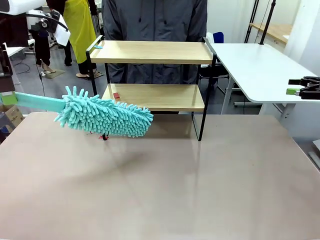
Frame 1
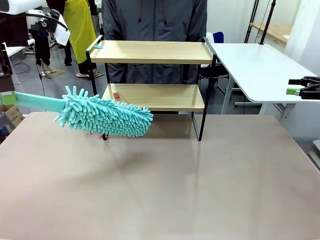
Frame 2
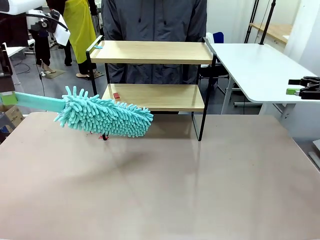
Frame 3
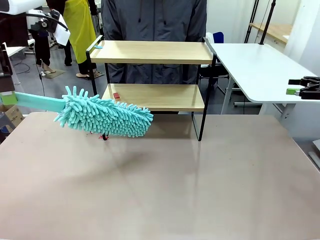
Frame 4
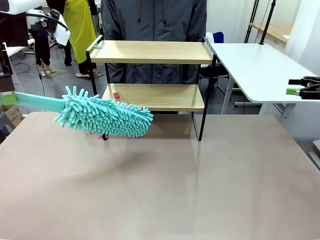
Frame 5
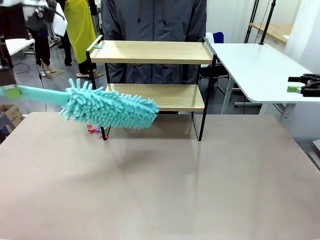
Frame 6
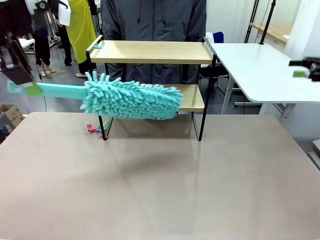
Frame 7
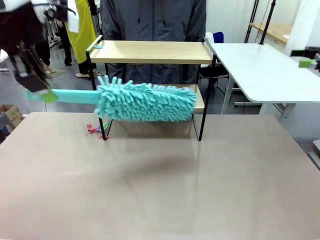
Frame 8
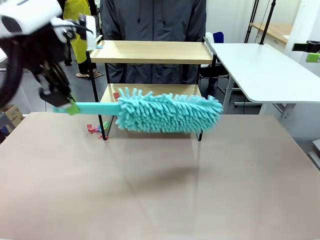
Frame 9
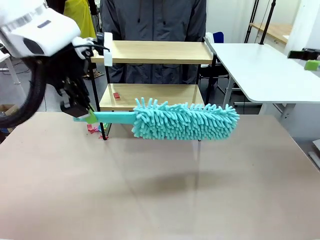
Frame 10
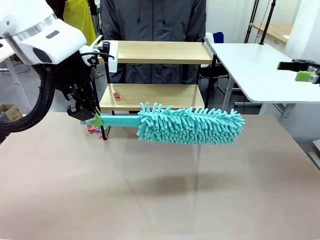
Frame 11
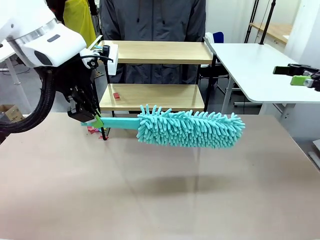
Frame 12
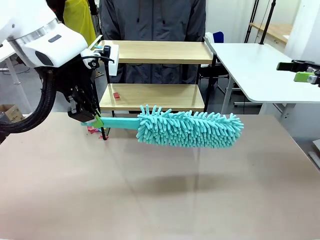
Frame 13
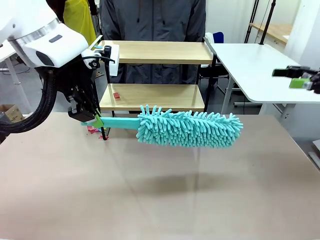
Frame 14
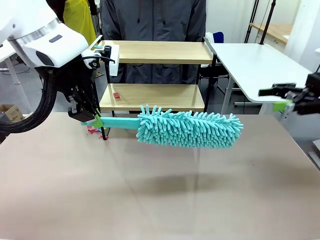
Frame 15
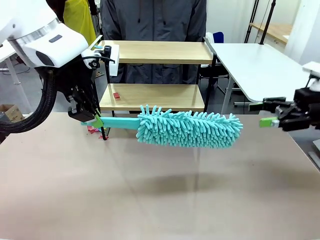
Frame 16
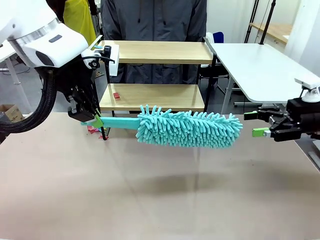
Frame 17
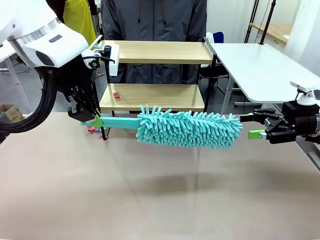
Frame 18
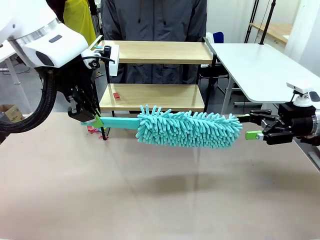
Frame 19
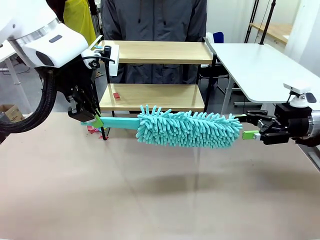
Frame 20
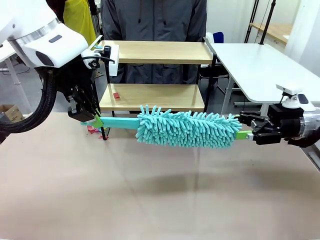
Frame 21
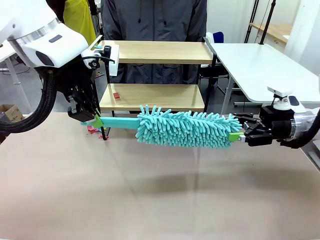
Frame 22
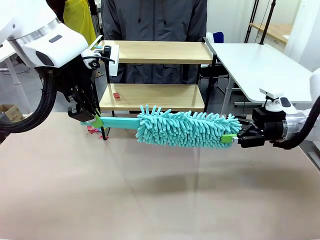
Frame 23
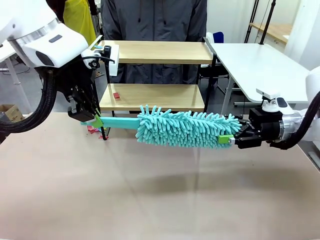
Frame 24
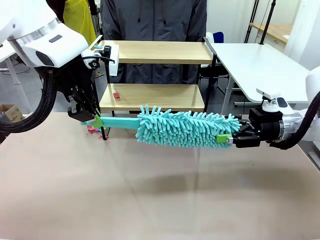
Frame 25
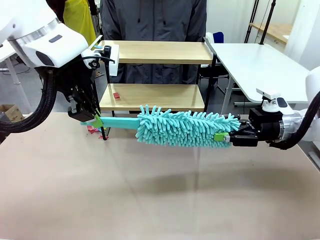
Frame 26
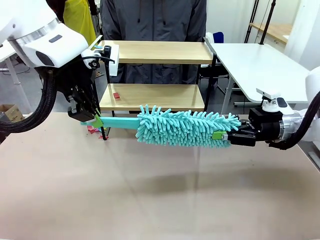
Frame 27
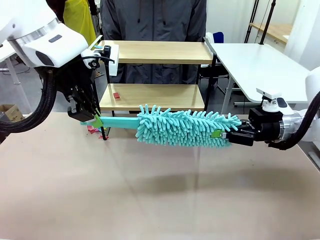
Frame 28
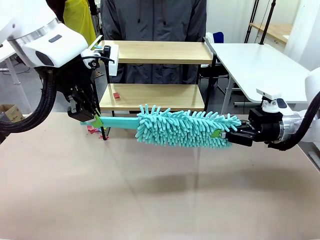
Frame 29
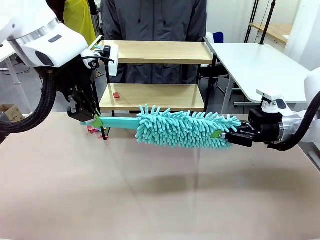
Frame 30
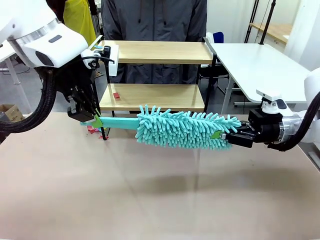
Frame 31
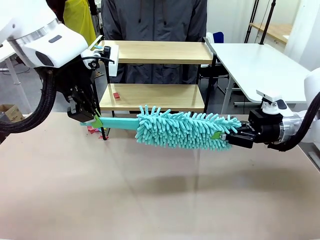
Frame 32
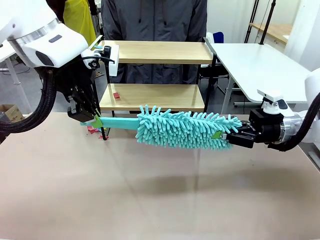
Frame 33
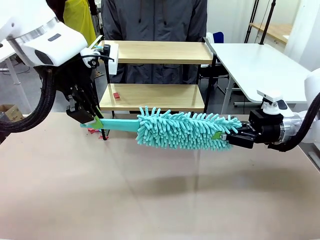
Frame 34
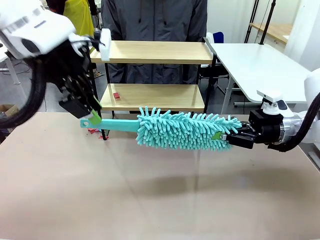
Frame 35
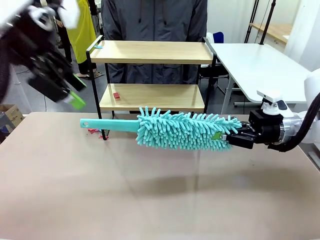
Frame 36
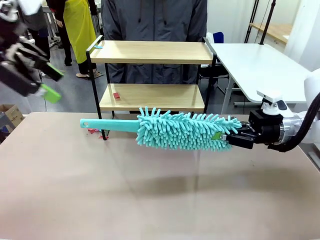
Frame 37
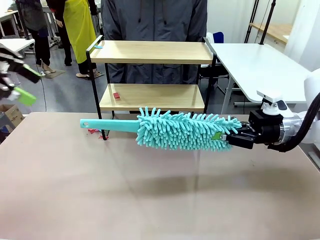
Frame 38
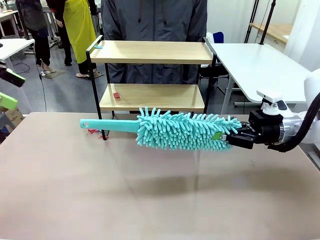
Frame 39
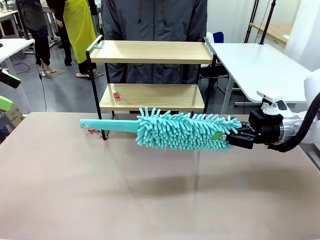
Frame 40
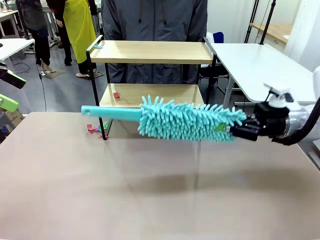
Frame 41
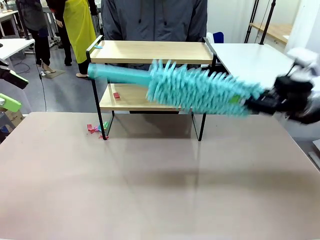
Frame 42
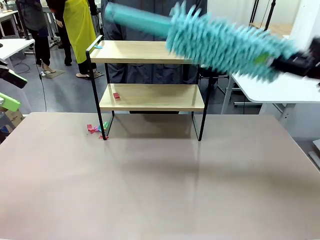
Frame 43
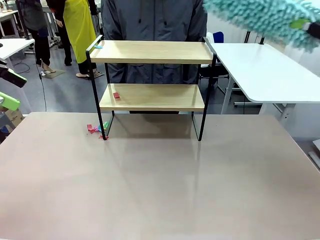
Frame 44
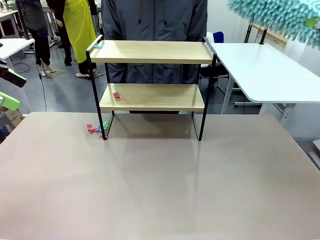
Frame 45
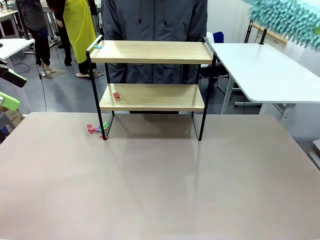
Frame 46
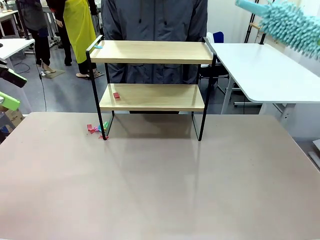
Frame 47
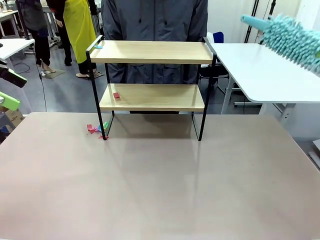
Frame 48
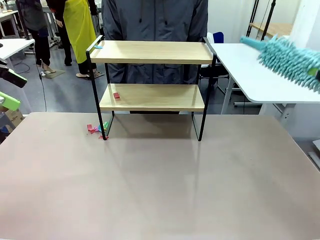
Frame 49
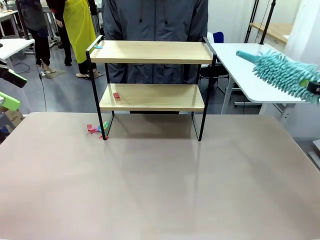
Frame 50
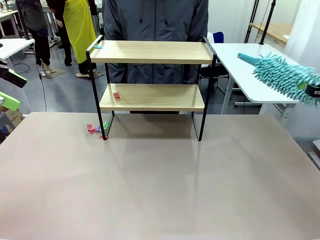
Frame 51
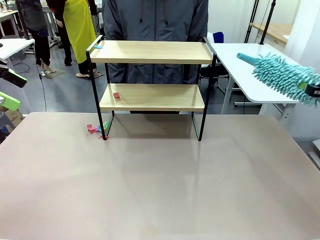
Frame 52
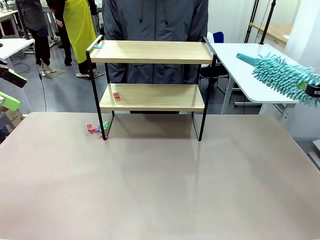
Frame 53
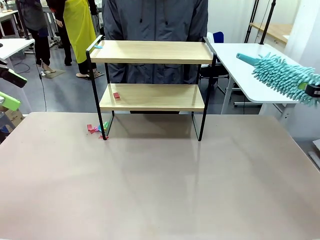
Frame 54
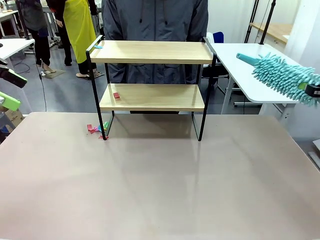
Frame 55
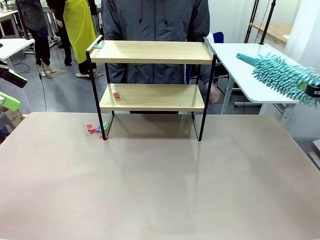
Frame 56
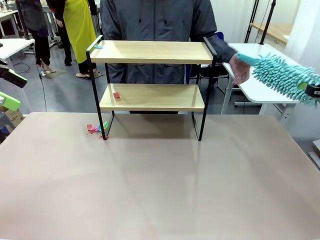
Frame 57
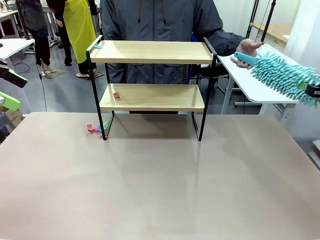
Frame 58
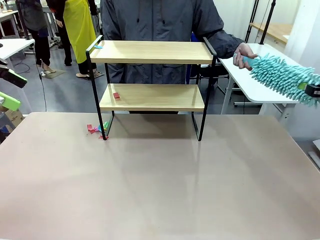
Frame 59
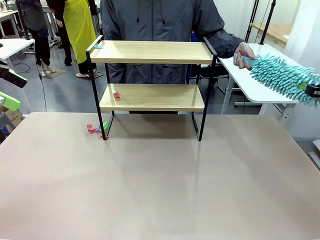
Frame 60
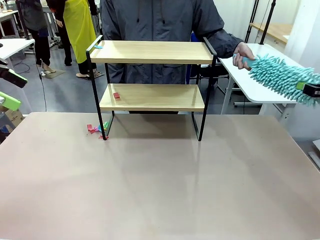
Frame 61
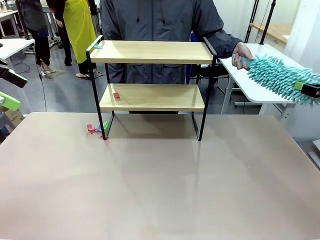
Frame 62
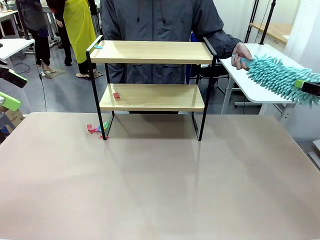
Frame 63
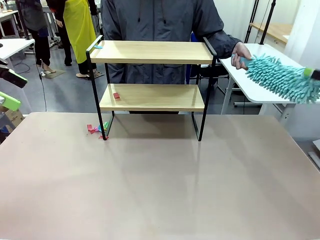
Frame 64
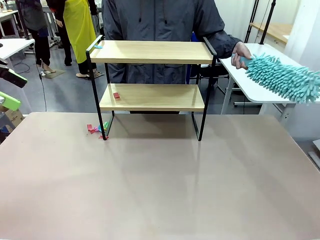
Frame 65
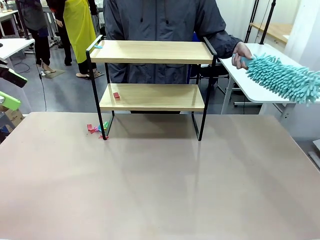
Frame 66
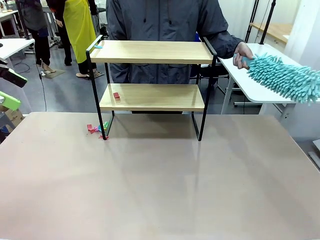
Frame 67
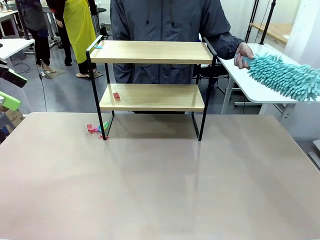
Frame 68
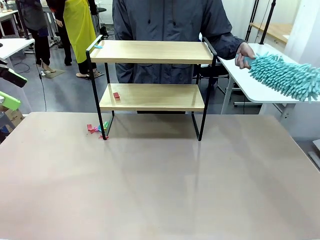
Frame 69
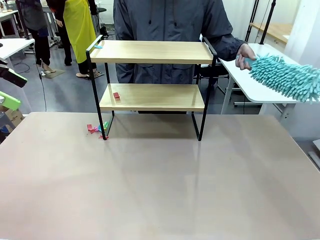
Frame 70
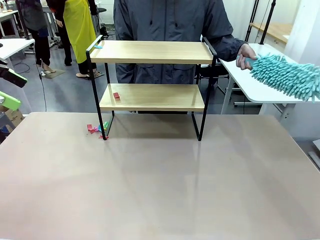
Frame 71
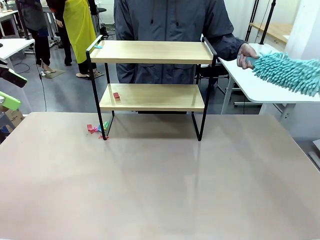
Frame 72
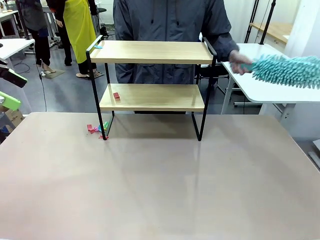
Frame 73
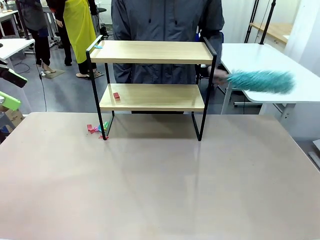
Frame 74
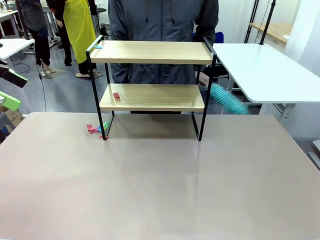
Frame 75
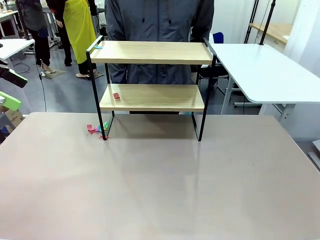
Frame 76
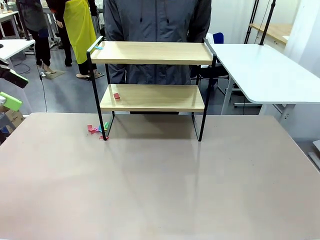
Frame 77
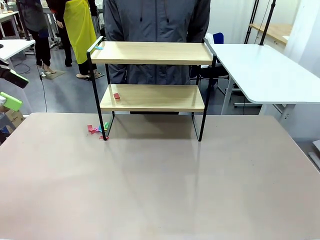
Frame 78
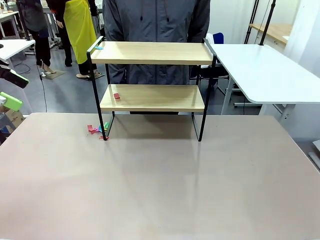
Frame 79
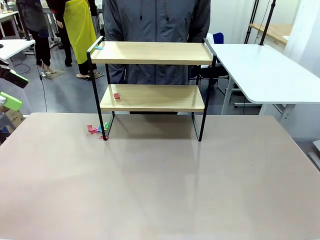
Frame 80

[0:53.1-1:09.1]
Task: Clean the shelf.
Robot: Hand the Duster back to the human.
Person: Receive the Duster from the robot.

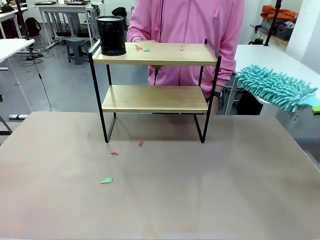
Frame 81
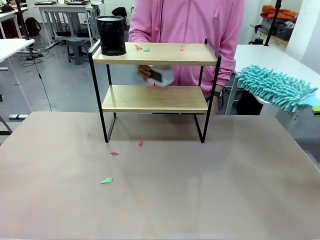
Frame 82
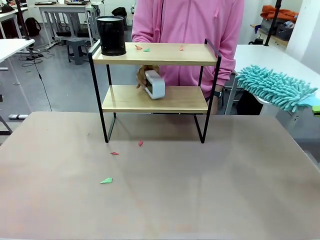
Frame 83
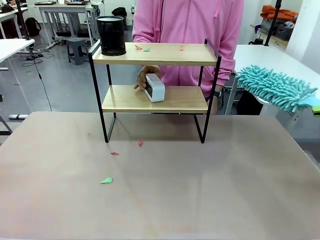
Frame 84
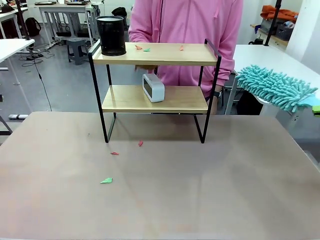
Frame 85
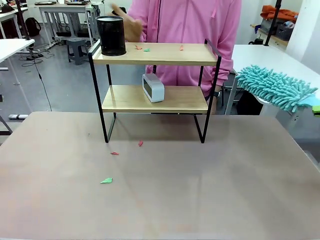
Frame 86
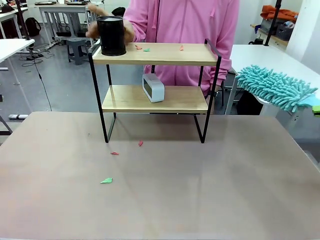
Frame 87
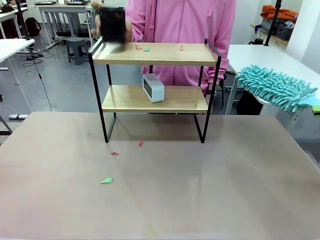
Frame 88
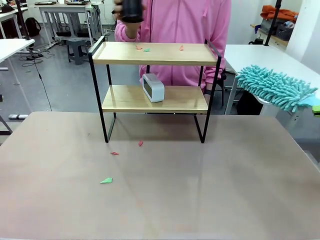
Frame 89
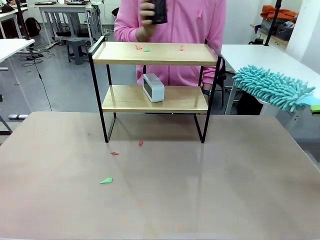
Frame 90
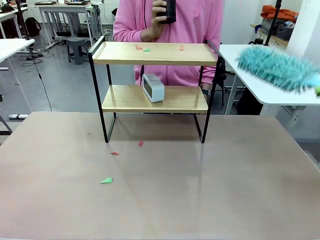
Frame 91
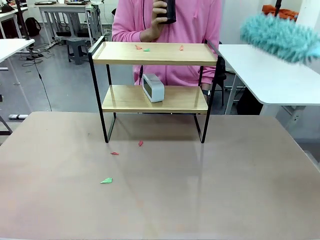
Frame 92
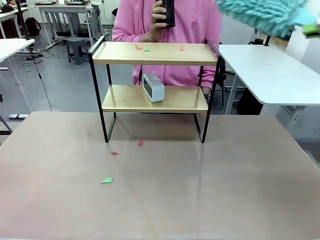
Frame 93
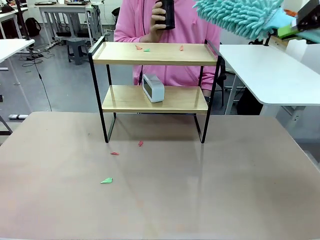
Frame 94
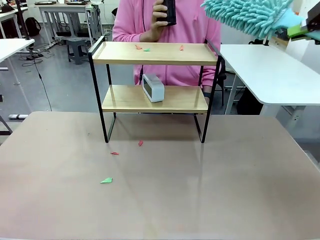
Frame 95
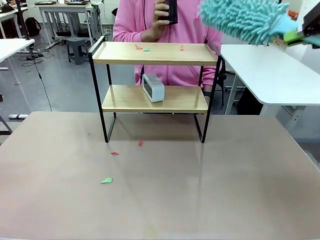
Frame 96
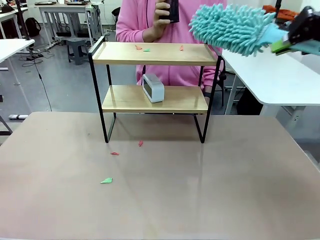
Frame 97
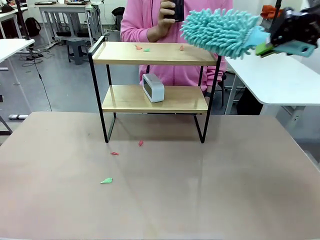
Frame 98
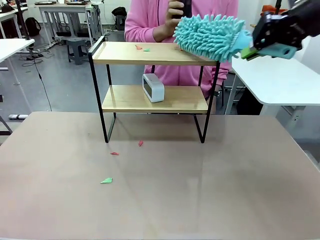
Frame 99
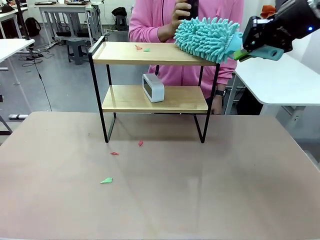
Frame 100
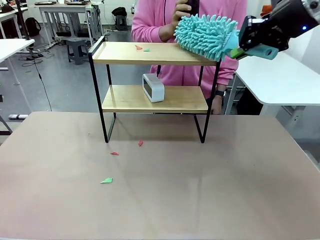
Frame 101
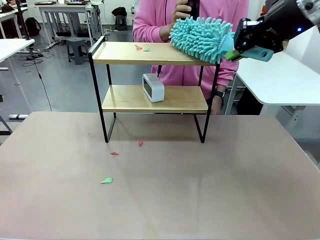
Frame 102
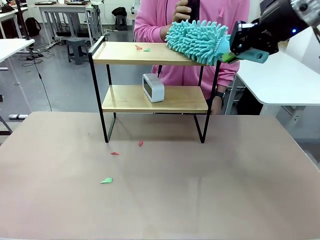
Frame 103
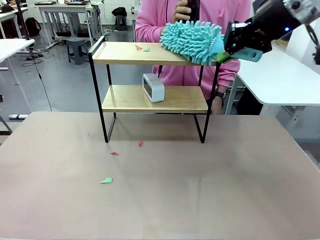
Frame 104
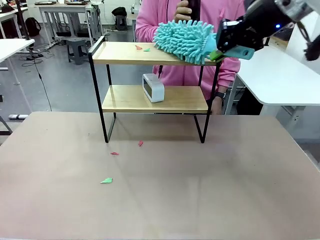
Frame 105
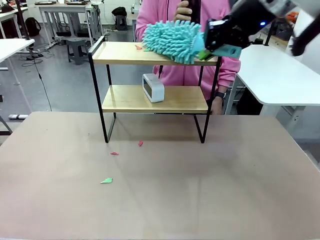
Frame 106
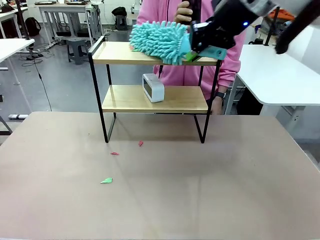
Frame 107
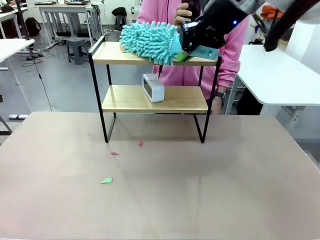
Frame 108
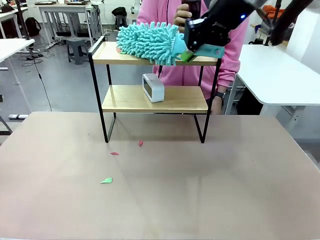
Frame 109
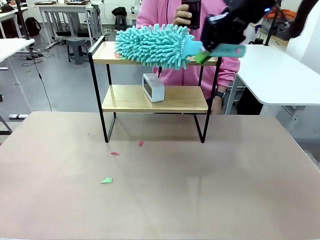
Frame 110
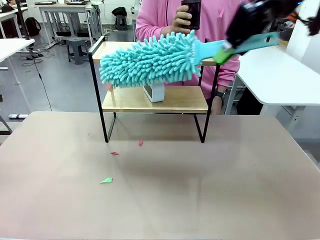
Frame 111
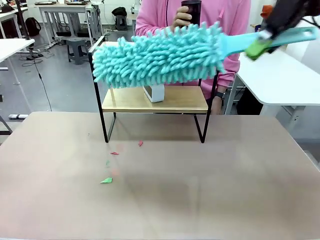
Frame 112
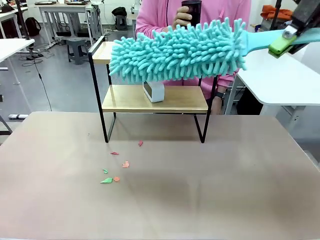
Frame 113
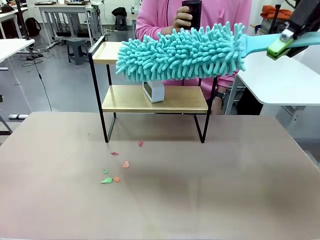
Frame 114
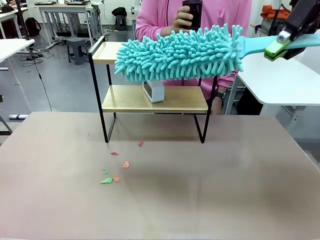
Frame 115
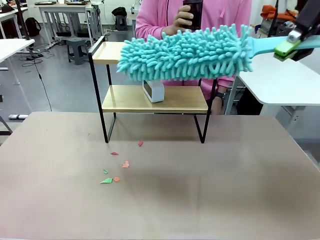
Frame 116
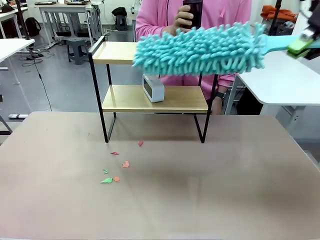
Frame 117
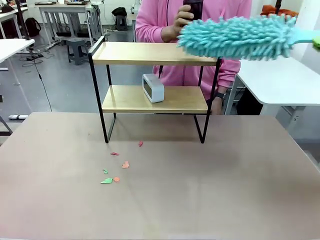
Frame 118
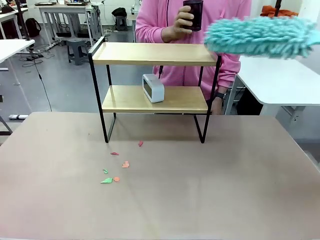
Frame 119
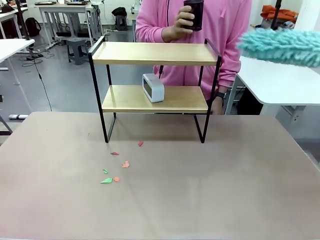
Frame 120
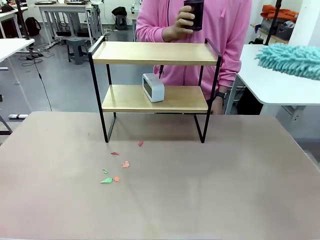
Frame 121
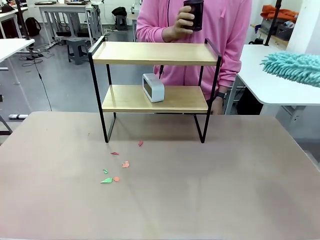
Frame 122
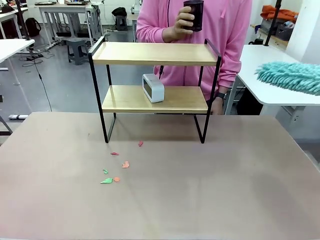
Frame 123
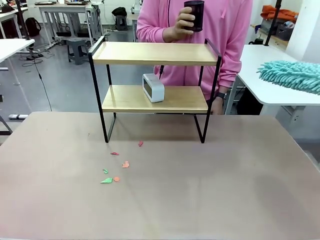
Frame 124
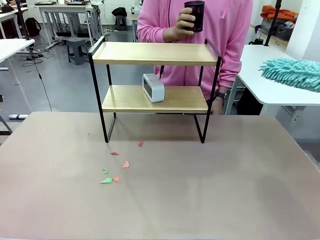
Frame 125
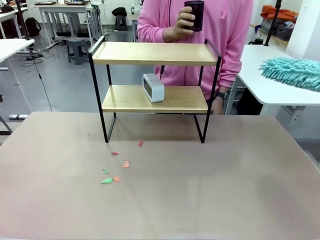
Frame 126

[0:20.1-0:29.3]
Task: Clean the shelf.
Robot: Clean the remaining tier of the Shelf with the Duster once objects are removed.
